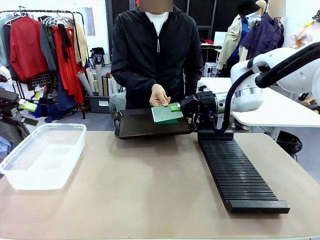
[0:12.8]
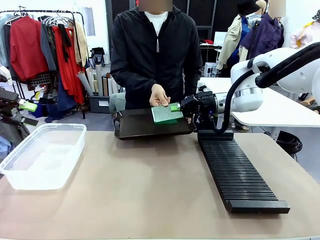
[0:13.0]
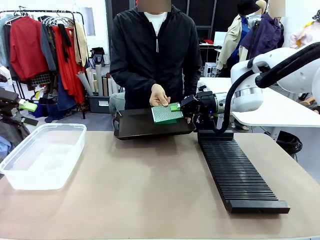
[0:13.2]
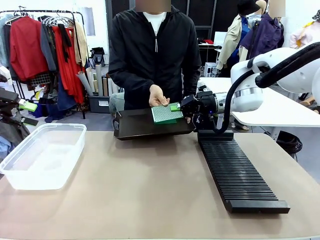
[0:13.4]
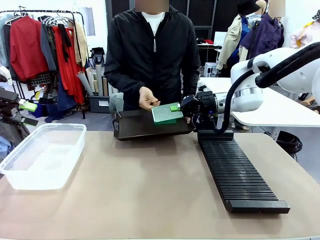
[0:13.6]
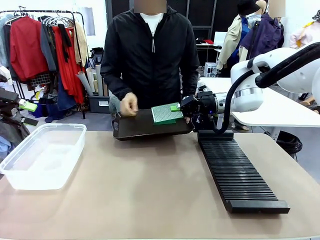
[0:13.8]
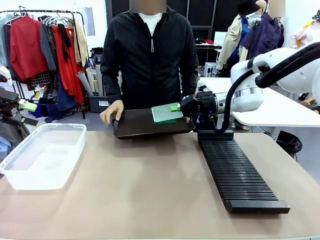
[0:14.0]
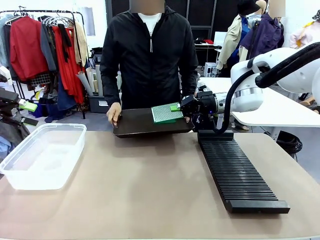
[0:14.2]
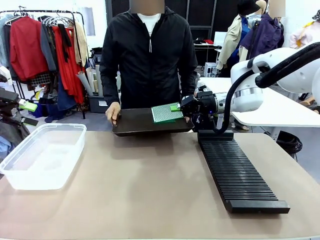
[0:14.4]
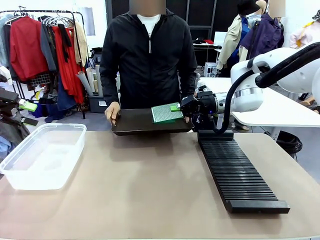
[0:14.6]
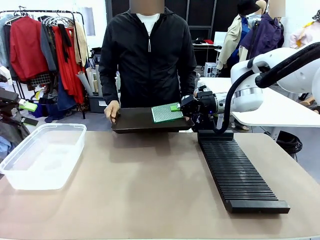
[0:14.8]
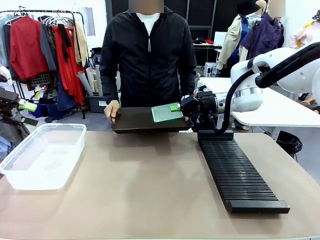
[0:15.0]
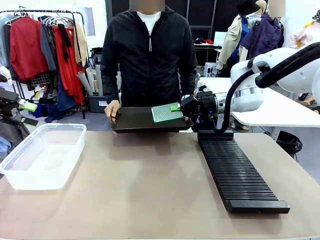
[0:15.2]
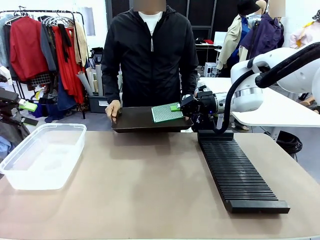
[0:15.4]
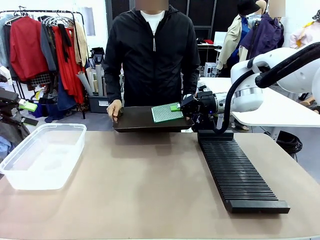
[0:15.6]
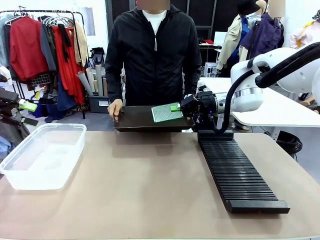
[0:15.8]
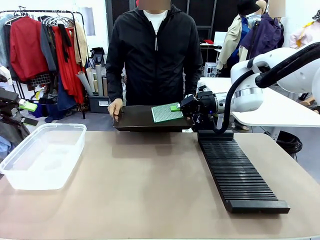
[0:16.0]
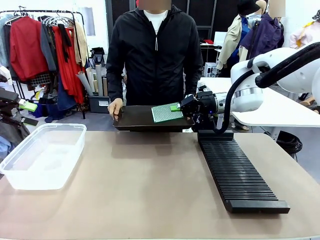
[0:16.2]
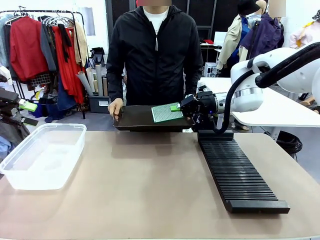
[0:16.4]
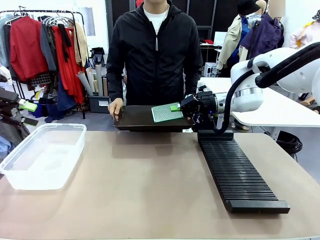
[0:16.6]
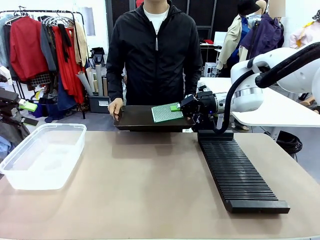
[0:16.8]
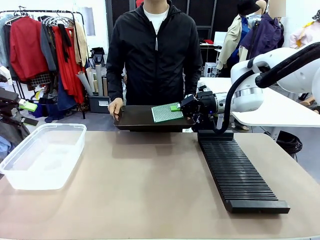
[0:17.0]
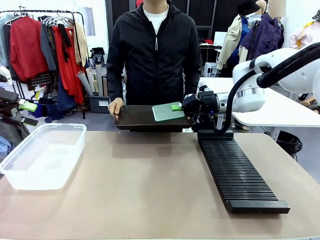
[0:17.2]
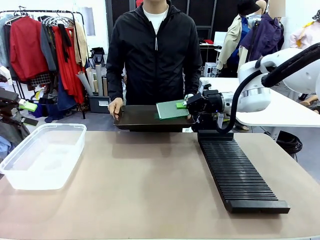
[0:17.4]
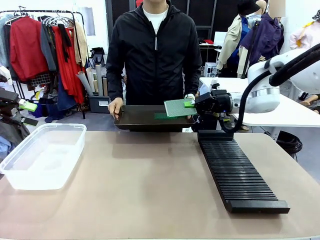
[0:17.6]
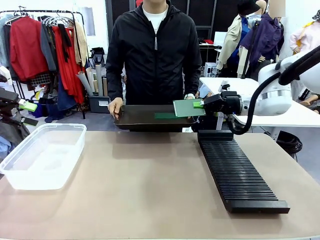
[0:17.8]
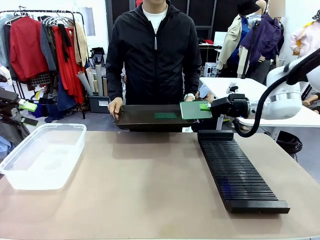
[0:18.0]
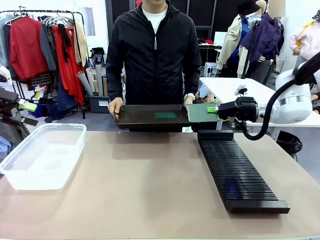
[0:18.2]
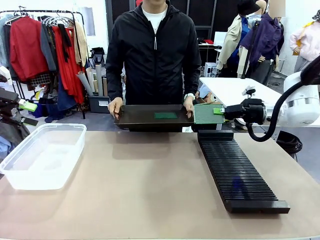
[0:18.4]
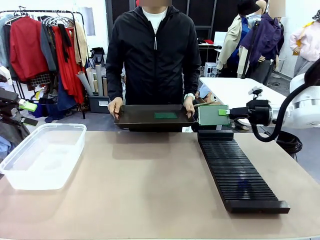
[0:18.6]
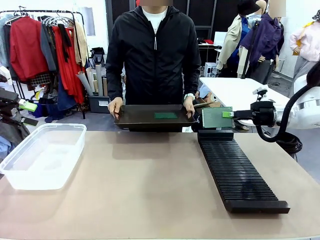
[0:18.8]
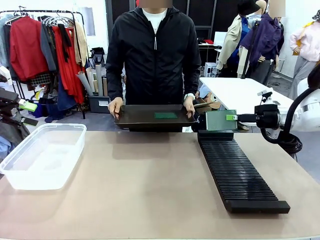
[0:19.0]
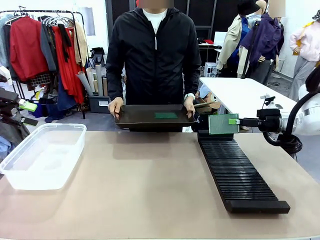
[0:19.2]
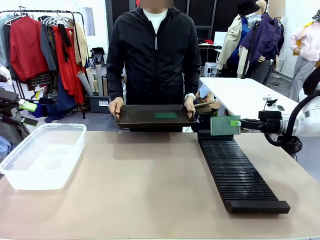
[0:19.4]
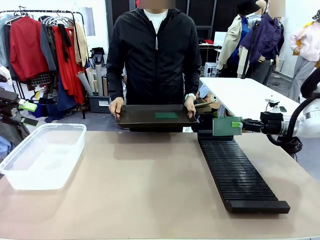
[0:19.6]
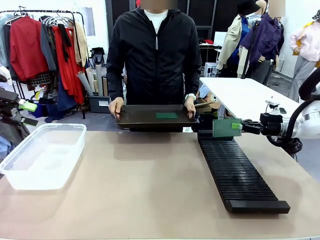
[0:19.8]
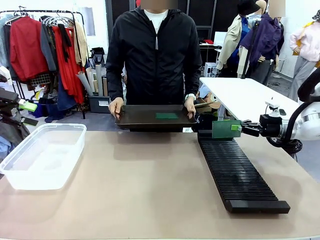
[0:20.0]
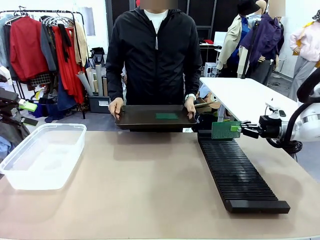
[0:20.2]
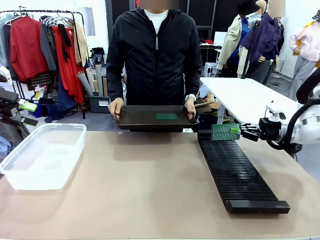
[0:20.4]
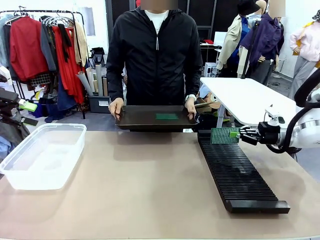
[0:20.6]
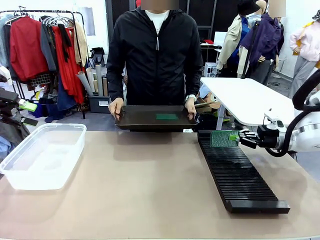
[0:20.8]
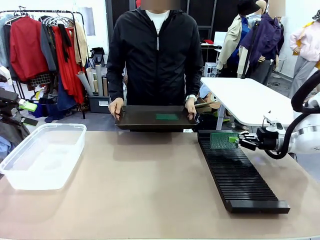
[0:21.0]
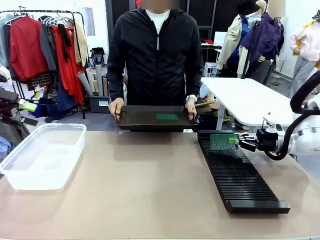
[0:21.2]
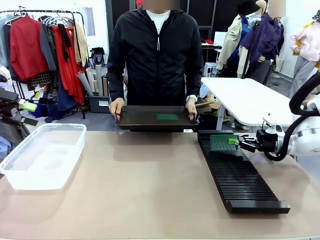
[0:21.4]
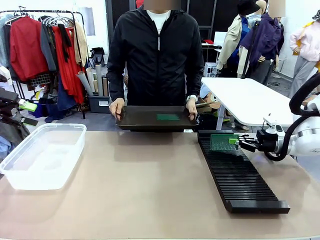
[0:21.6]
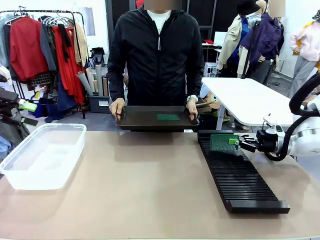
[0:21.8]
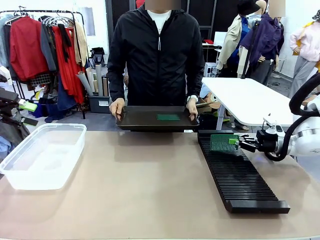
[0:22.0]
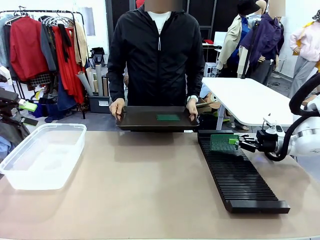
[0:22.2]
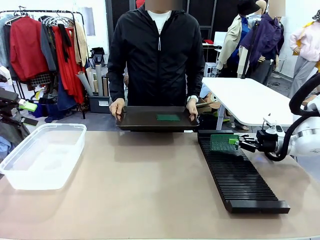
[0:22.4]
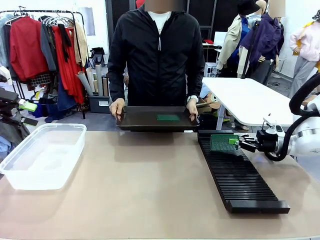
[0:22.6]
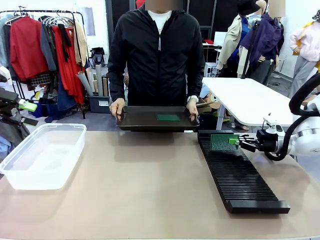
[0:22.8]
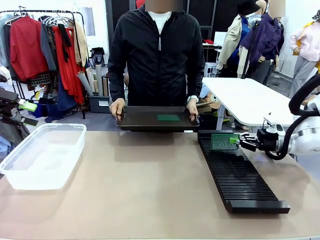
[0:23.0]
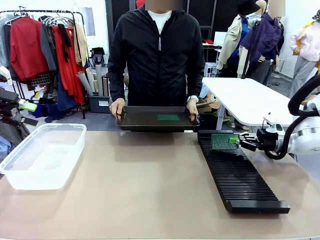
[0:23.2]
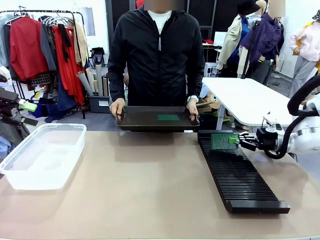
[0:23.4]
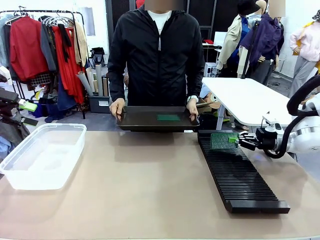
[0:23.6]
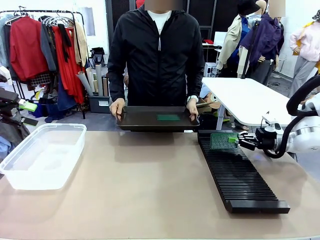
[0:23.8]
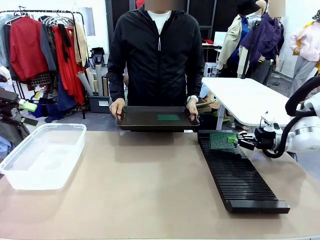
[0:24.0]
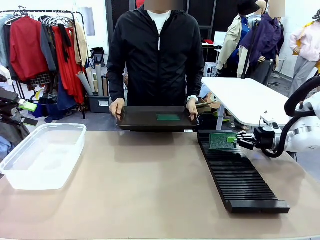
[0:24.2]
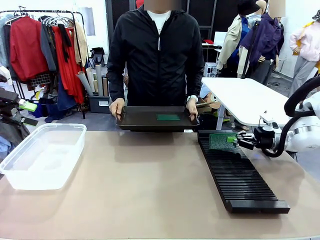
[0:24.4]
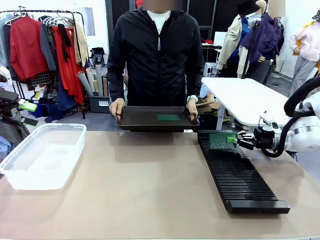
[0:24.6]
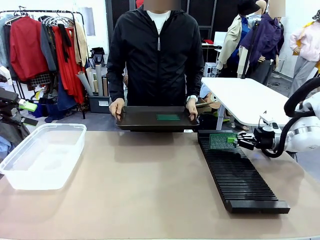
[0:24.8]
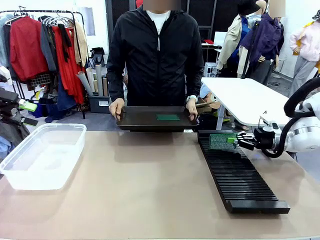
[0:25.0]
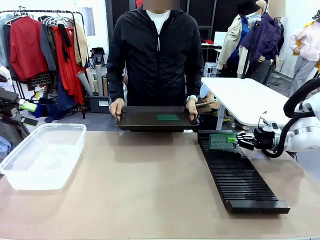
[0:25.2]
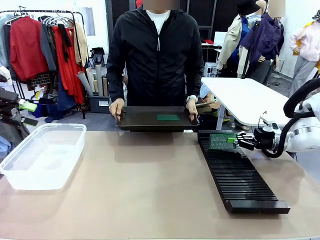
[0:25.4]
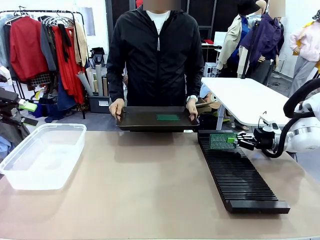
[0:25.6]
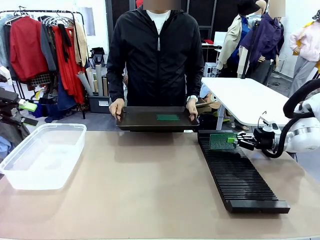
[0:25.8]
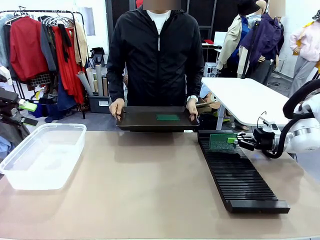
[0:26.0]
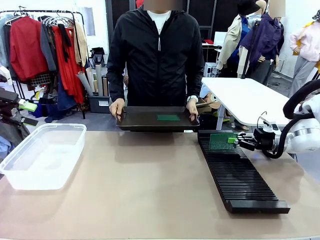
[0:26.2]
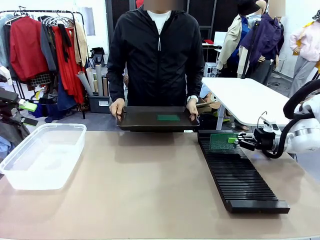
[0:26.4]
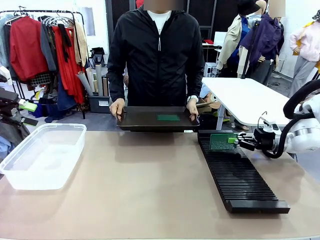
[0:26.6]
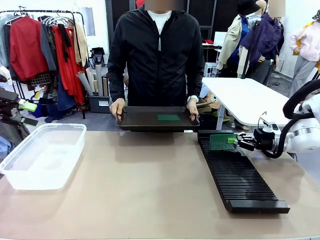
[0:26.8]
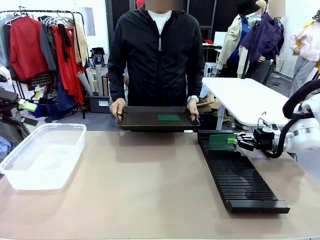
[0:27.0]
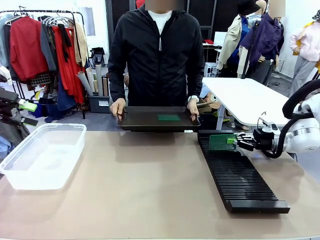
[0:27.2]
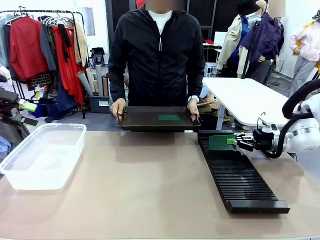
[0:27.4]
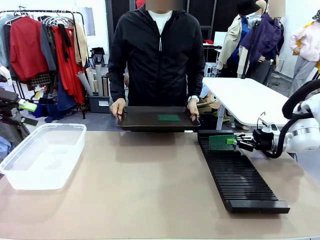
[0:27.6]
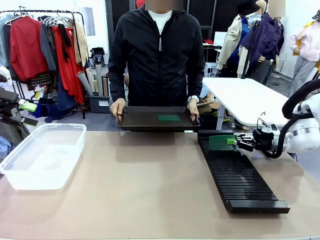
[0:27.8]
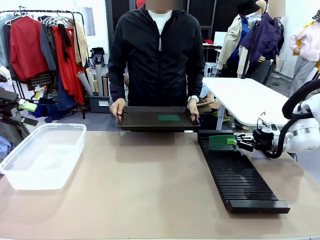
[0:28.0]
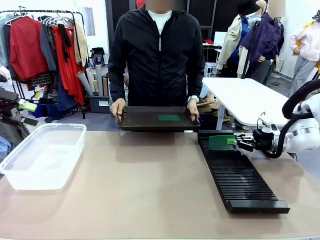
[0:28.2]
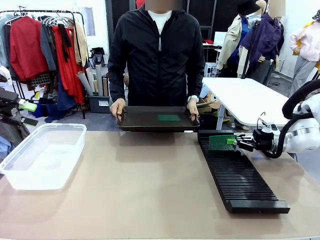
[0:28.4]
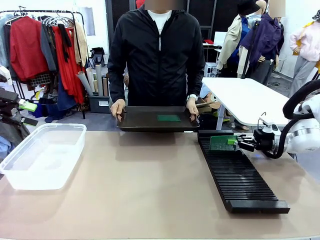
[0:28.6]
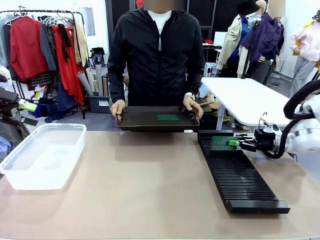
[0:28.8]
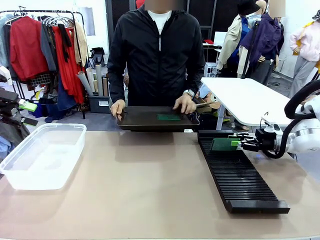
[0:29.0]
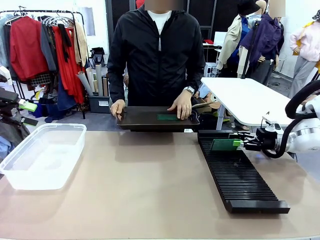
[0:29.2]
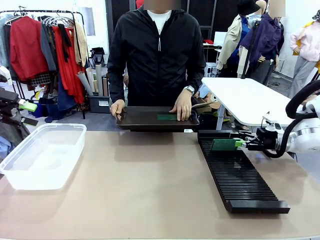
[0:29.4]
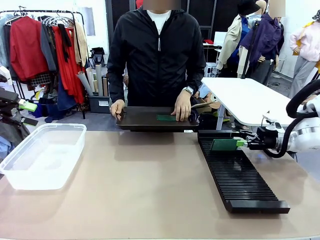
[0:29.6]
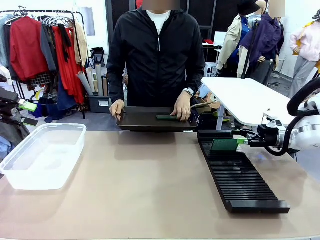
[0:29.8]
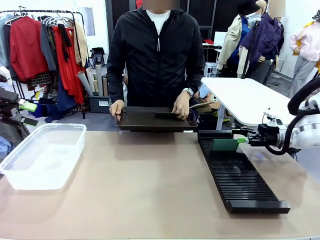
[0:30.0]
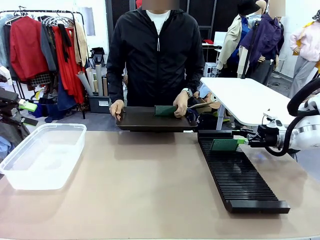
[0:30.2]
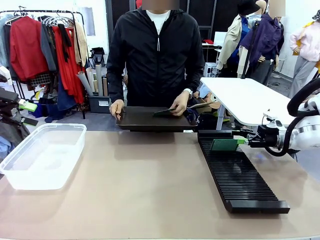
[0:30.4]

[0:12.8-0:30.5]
Task: Sort PCBs into racks and boxes based on the side picked up.
Robot: If the short side of the Blank PCB is picked up, insert it into the PCB Rack ; if the long side is picked up, place it in the Organizing box.
Person: Pick one PCB from the tray and present it to the robot.
